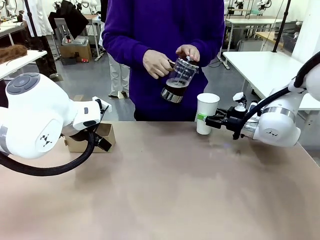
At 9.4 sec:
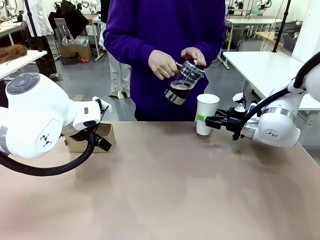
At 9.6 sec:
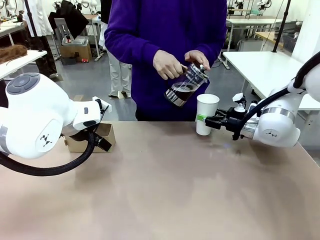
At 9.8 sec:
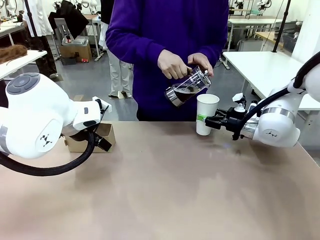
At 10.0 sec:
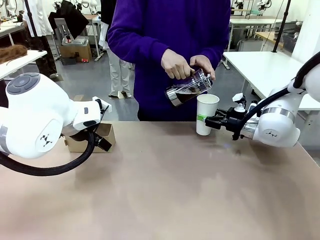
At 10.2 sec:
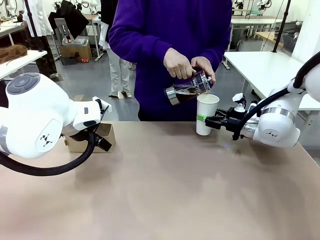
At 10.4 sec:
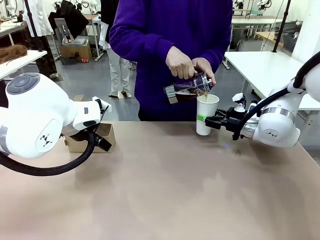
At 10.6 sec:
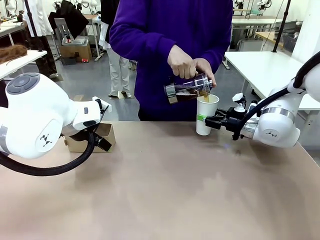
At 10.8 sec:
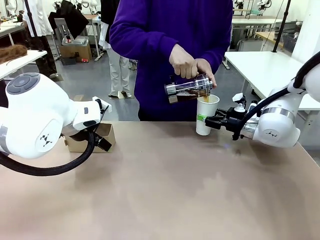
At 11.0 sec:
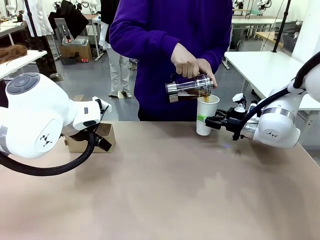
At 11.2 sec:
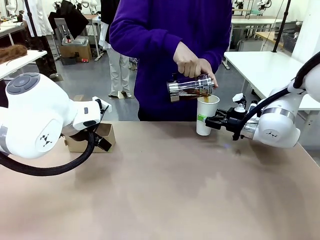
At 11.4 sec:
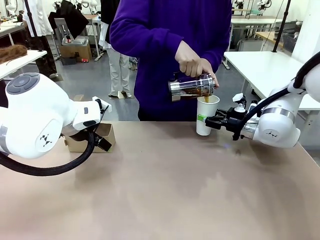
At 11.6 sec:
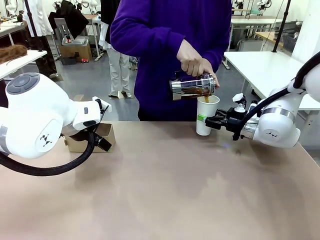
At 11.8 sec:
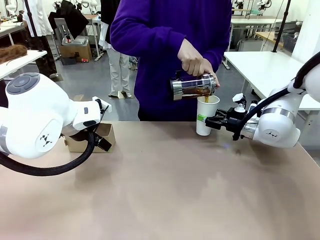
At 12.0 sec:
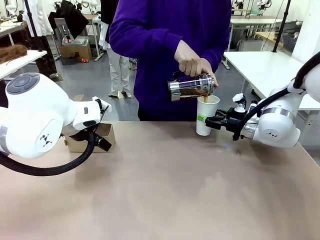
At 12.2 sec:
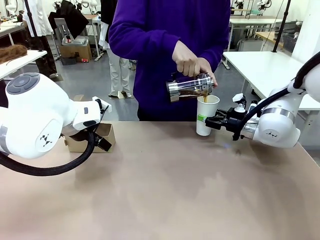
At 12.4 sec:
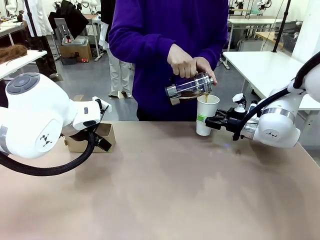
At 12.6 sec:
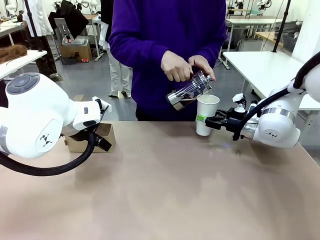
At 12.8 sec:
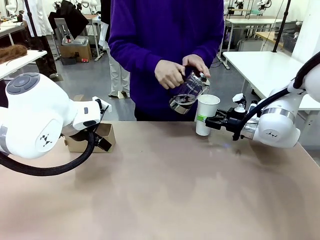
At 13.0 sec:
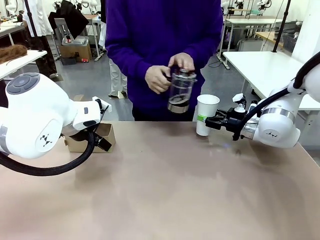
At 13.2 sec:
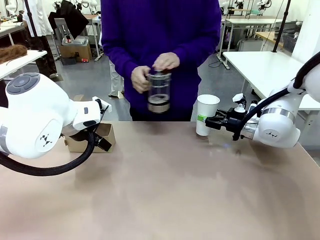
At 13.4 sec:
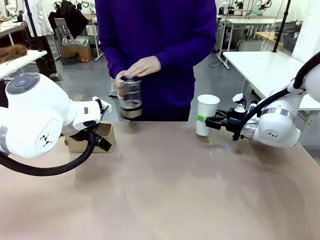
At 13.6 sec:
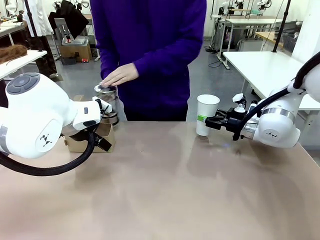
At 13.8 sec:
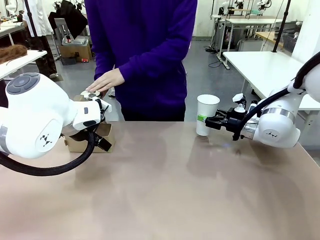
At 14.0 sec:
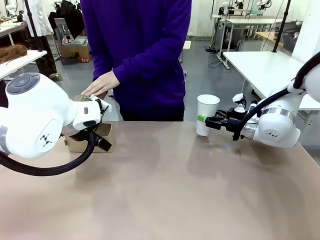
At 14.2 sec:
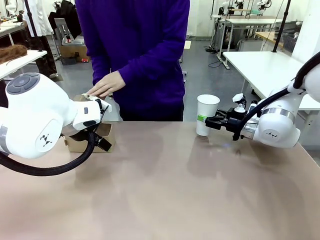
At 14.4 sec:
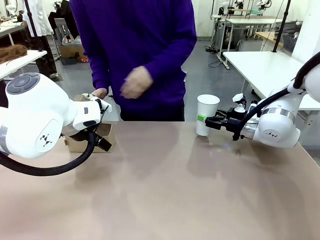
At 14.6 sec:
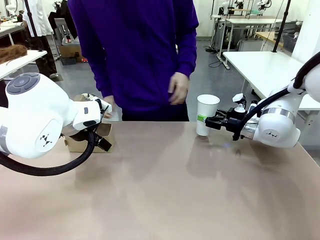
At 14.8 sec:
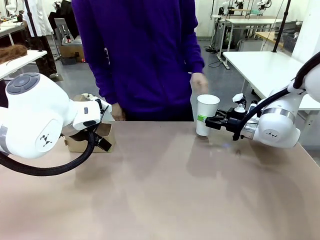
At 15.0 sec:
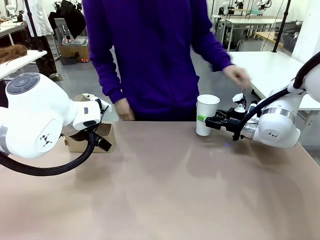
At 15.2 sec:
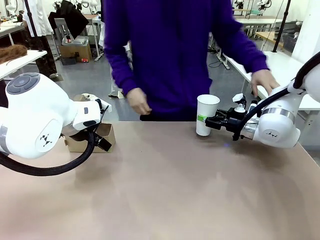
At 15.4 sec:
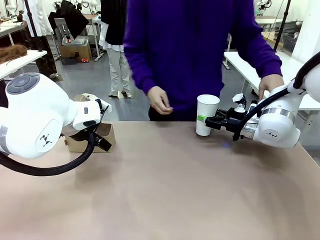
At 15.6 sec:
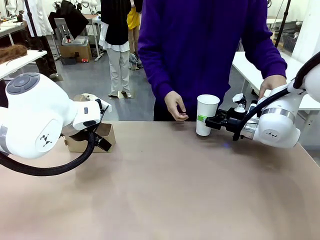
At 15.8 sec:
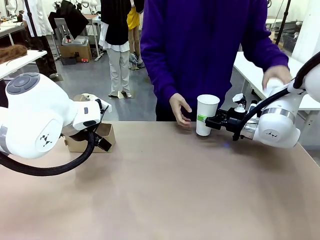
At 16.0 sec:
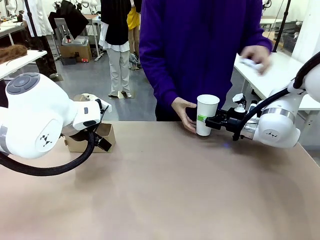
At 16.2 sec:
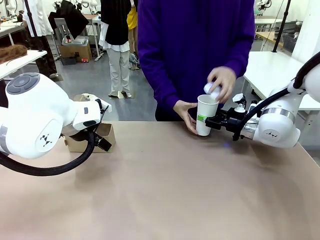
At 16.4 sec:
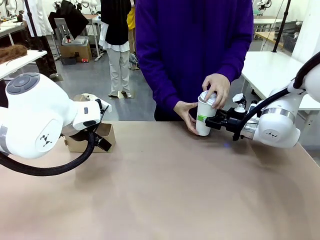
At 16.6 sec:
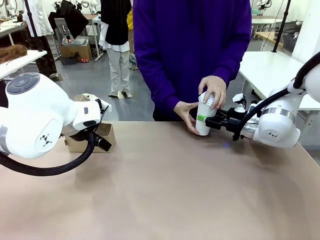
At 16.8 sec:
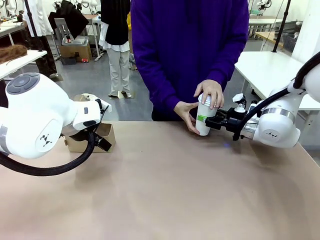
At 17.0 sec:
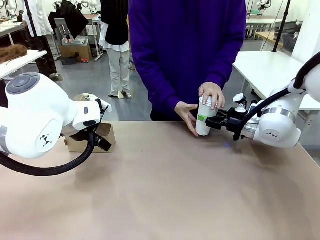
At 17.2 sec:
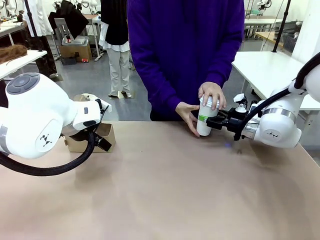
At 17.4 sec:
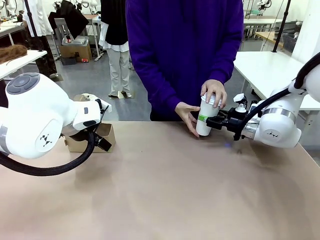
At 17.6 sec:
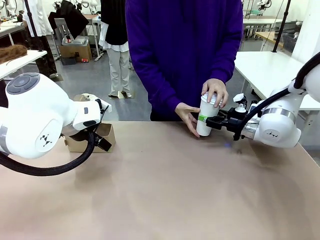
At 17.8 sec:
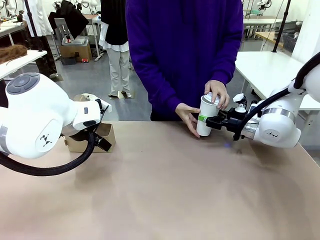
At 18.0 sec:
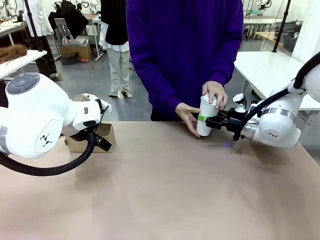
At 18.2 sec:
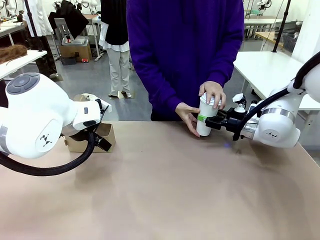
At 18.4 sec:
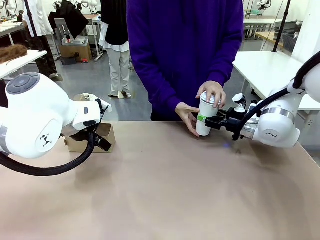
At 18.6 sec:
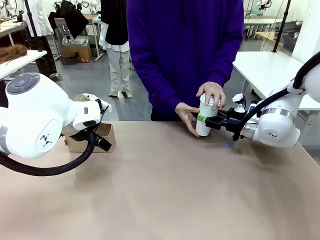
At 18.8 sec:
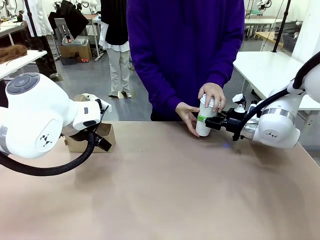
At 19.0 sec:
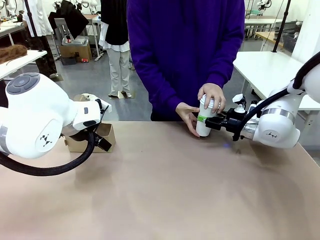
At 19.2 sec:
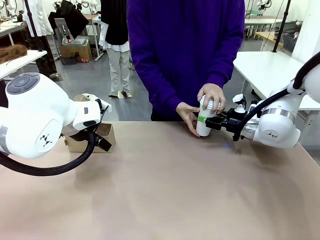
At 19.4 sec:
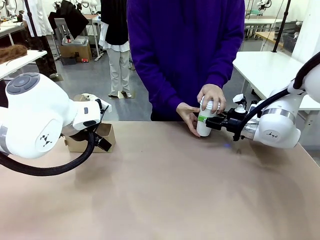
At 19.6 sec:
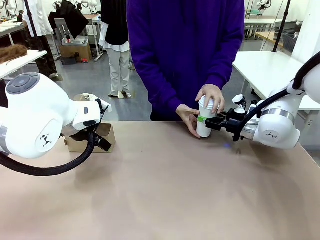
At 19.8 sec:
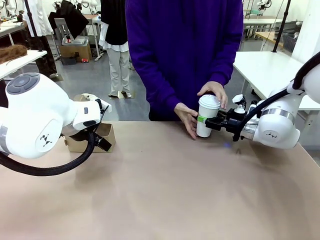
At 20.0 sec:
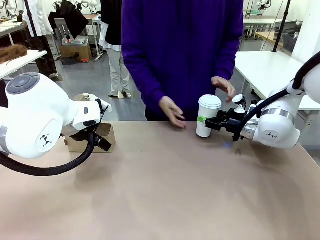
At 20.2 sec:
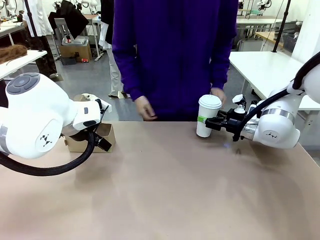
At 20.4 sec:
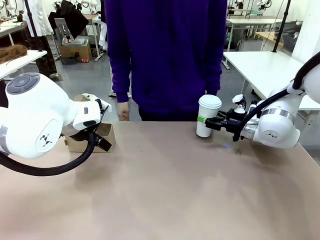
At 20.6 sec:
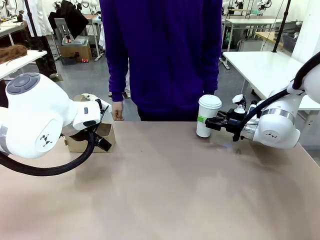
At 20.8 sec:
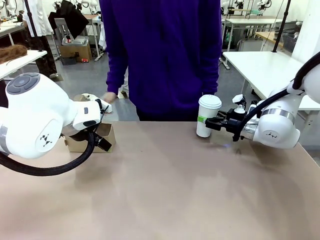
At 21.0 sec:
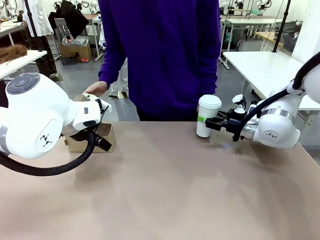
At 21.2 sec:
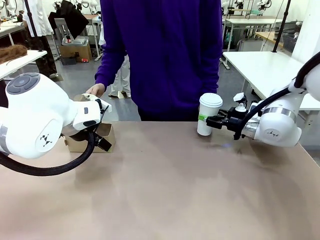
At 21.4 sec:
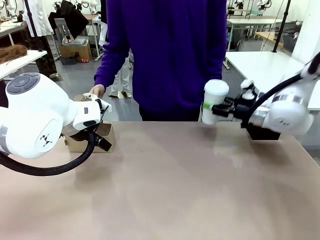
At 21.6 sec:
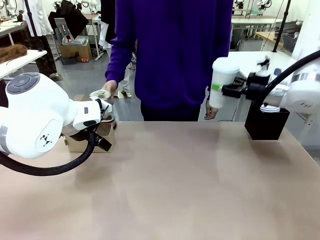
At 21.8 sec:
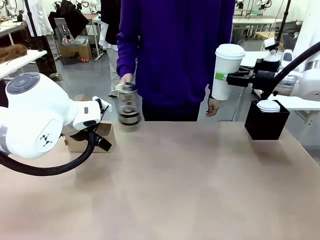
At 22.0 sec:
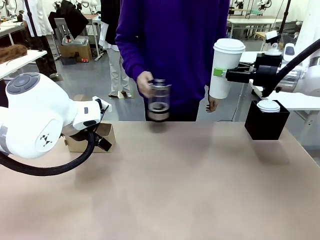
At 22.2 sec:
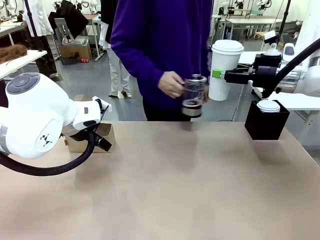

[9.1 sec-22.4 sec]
Task: Pour a drink into a cup and package it in a carrier.
Robot: When a person places the Paper Cup Lid on the 600 ml Paper Cup , lift the 600 ml Paper Cup.
Person: Pour the drink from the Filter Brewing into the 600 ml Paper Cup. Place a Paper Cup Lid on the 600 ml Paper Cup.

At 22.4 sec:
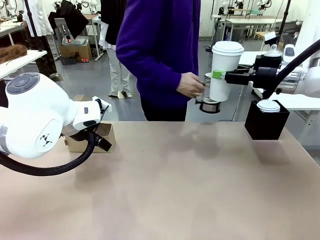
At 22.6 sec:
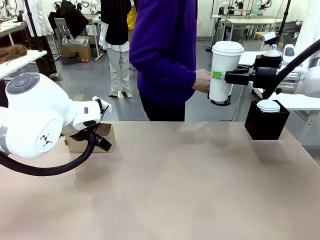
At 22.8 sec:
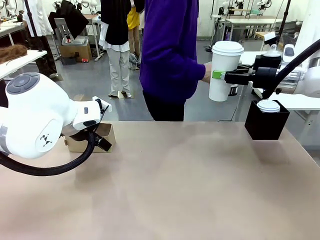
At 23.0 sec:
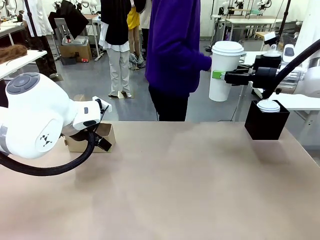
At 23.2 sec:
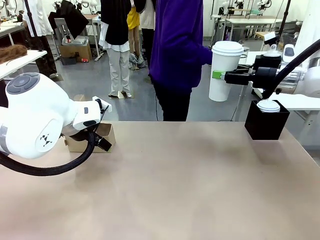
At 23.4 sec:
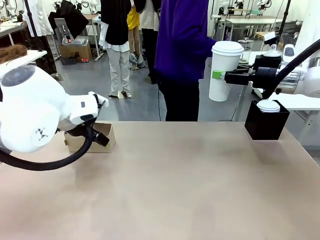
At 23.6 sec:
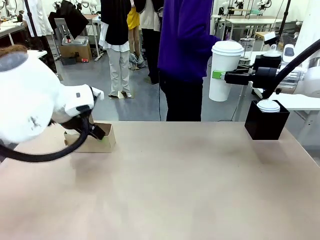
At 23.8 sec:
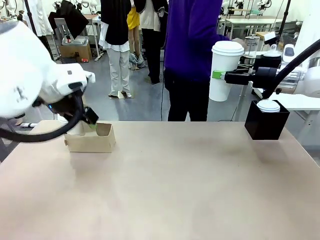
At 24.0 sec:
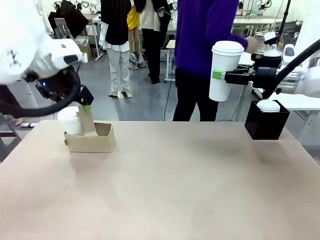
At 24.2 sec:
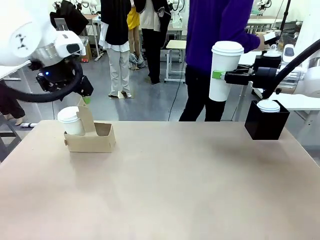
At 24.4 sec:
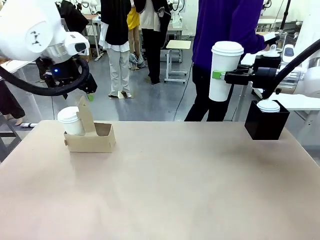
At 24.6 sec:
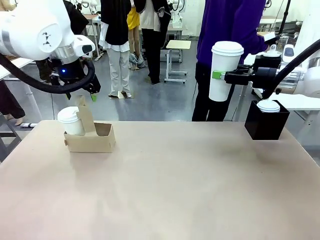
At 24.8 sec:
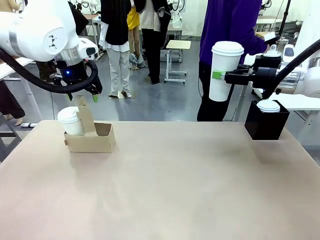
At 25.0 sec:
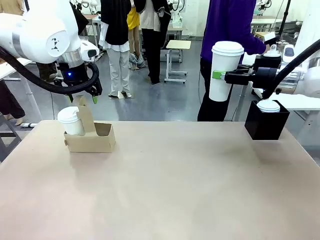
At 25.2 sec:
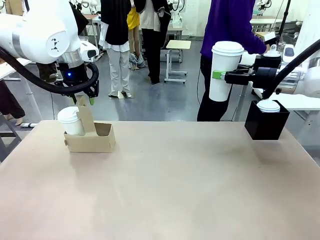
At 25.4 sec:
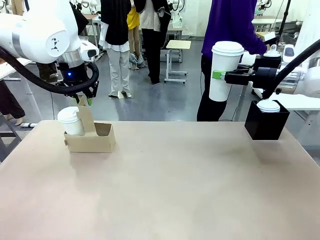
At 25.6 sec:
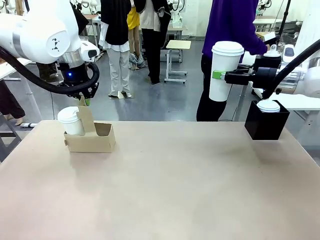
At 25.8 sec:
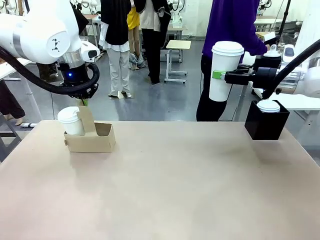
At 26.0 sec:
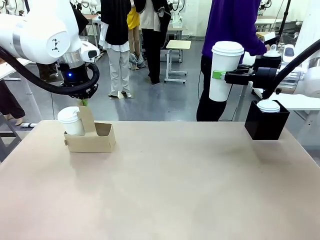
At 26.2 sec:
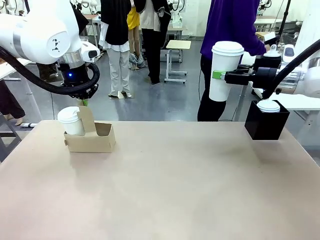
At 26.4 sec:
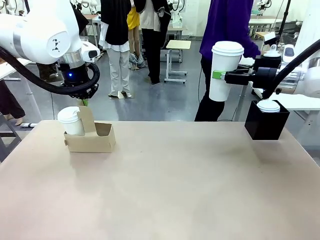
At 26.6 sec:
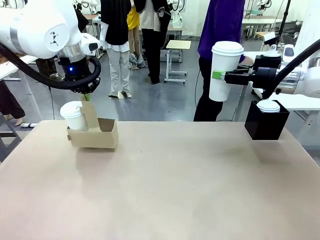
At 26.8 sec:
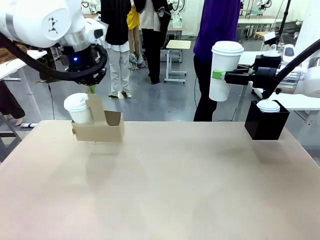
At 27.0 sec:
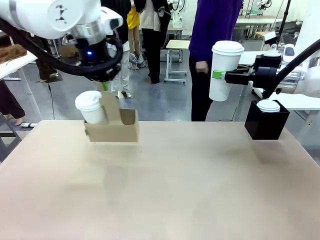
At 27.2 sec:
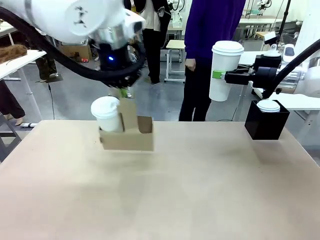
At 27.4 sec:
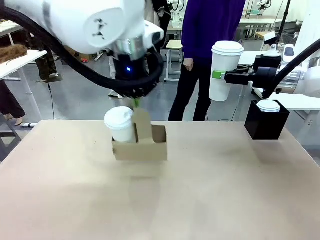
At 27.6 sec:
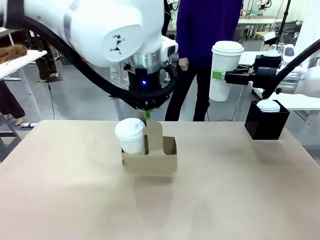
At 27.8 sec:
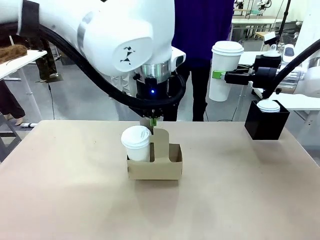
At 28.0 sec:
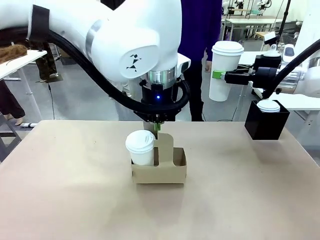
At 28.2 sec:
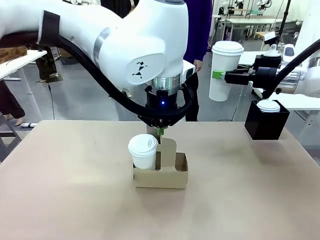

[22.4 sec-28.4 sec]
Robot: Position the Cup Carrier in the center of the table.
Person: Pick up the Filter Brewing and place on the middle of Human table, and return to the Robot table.
